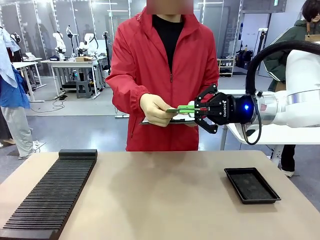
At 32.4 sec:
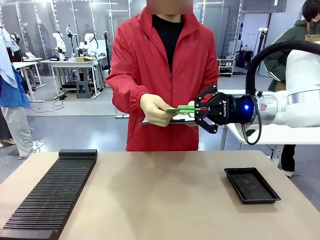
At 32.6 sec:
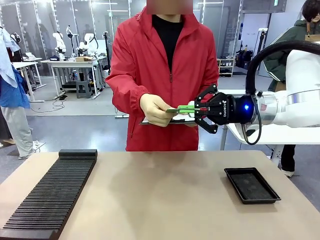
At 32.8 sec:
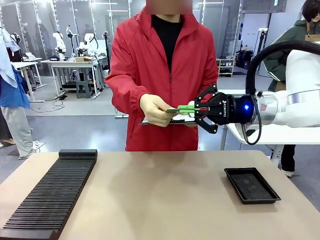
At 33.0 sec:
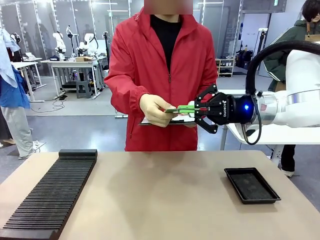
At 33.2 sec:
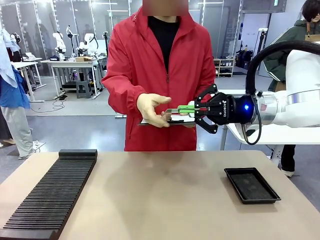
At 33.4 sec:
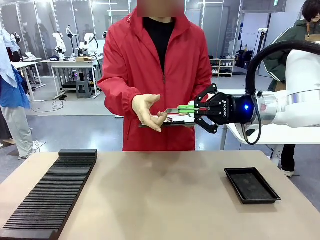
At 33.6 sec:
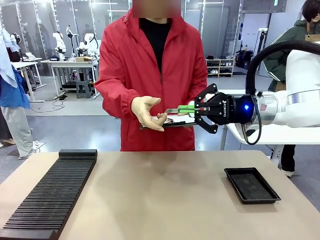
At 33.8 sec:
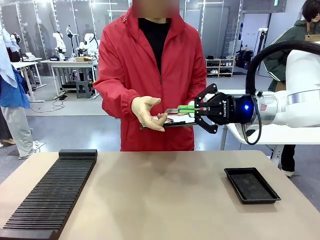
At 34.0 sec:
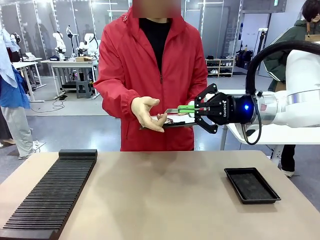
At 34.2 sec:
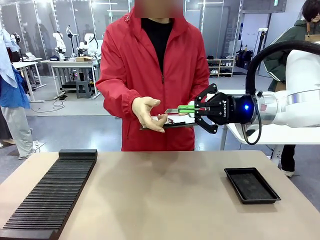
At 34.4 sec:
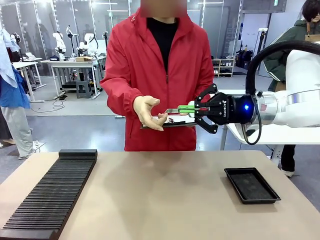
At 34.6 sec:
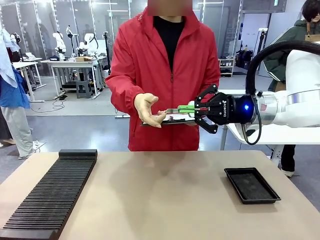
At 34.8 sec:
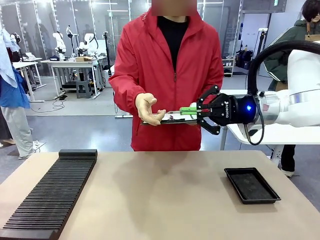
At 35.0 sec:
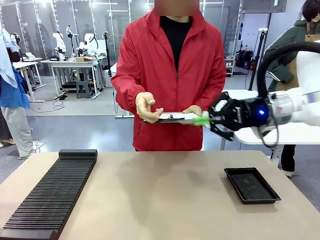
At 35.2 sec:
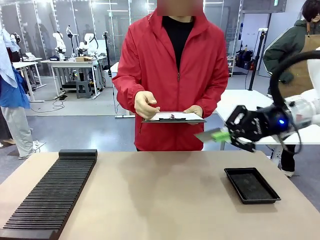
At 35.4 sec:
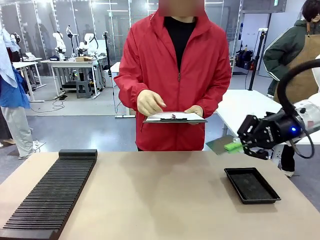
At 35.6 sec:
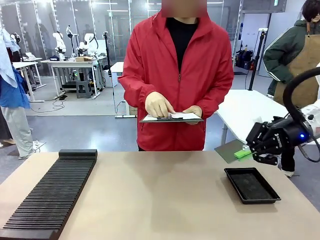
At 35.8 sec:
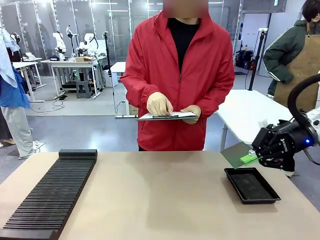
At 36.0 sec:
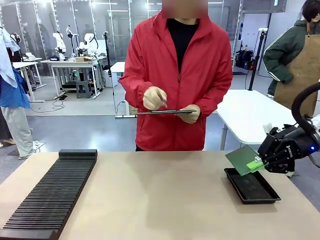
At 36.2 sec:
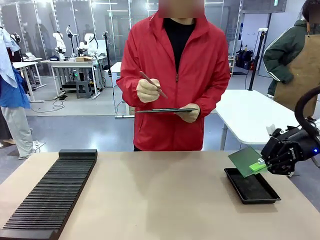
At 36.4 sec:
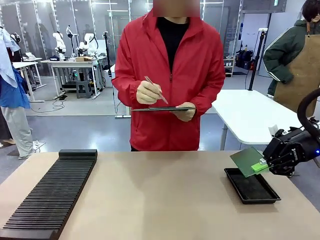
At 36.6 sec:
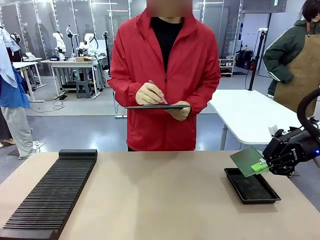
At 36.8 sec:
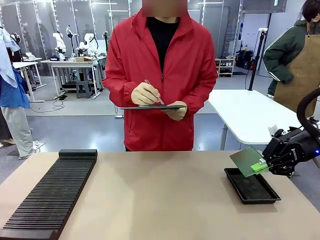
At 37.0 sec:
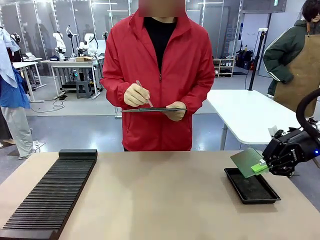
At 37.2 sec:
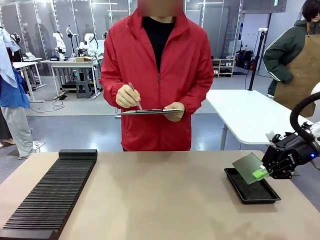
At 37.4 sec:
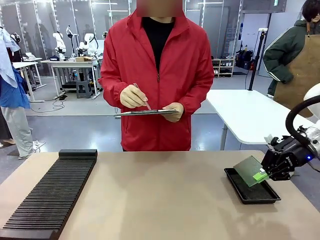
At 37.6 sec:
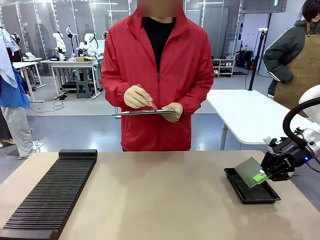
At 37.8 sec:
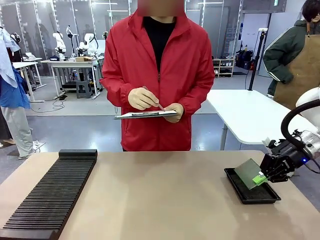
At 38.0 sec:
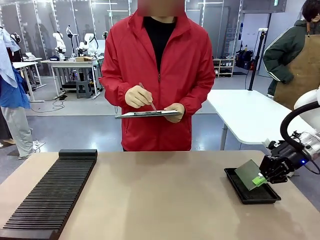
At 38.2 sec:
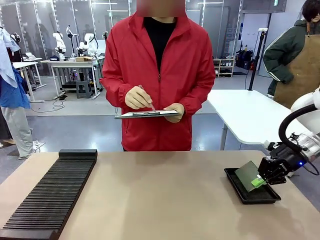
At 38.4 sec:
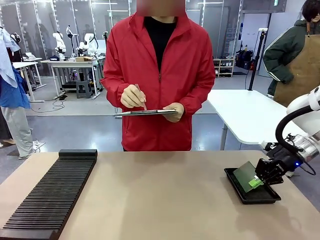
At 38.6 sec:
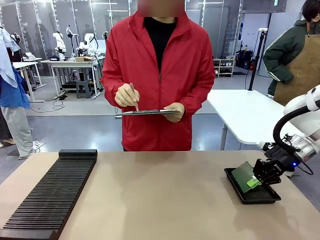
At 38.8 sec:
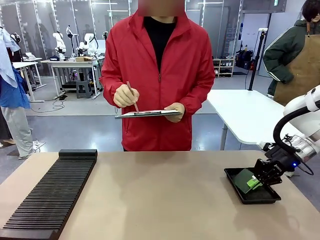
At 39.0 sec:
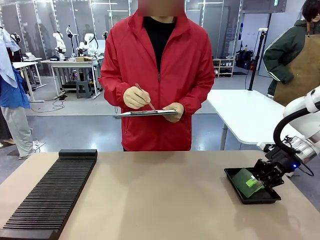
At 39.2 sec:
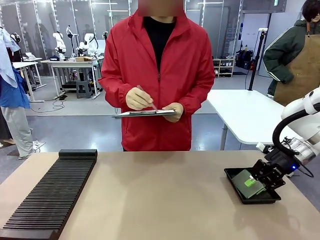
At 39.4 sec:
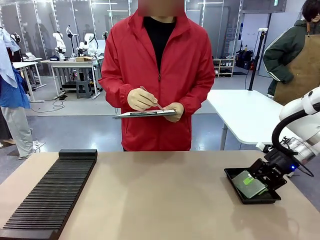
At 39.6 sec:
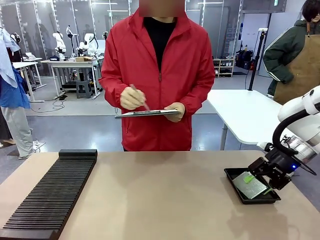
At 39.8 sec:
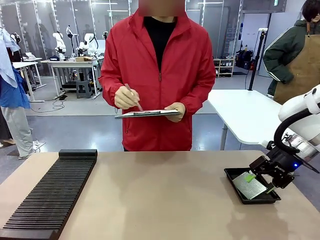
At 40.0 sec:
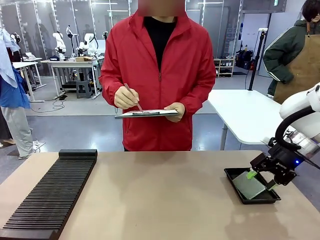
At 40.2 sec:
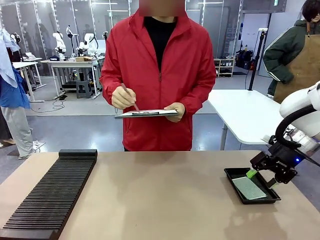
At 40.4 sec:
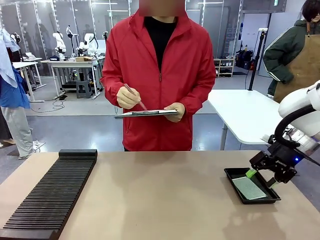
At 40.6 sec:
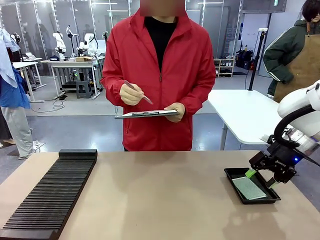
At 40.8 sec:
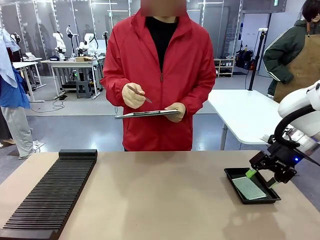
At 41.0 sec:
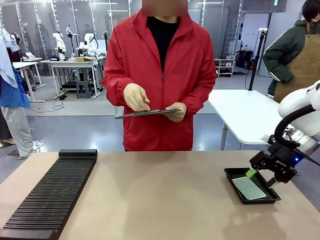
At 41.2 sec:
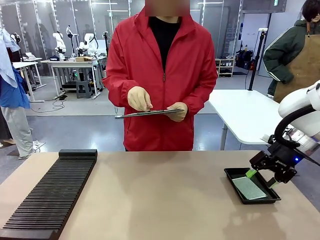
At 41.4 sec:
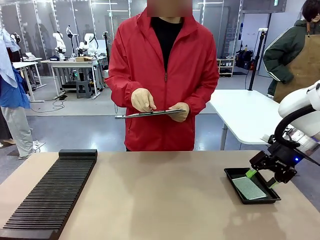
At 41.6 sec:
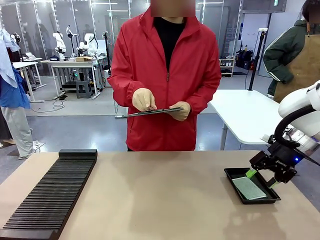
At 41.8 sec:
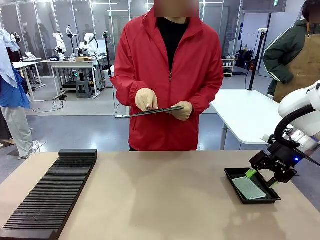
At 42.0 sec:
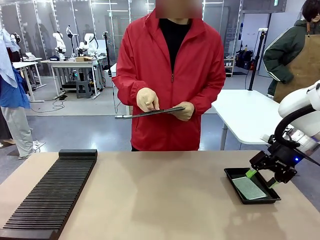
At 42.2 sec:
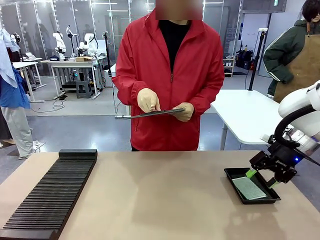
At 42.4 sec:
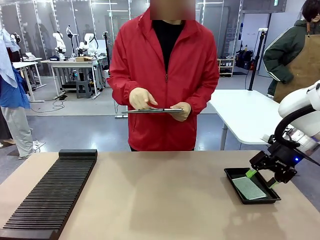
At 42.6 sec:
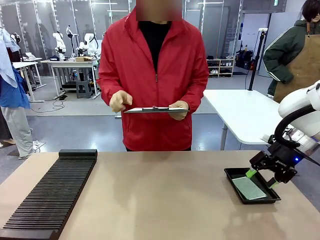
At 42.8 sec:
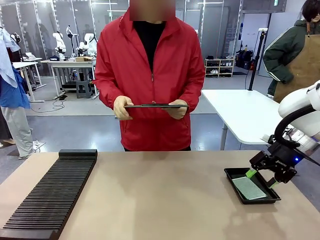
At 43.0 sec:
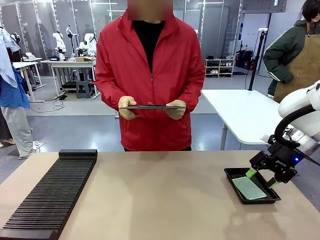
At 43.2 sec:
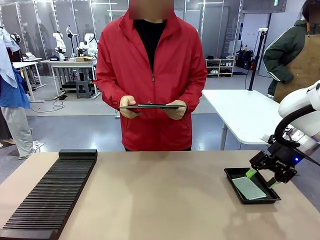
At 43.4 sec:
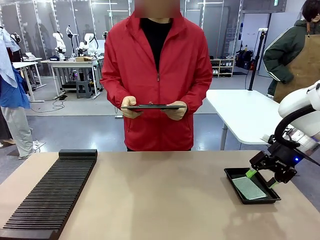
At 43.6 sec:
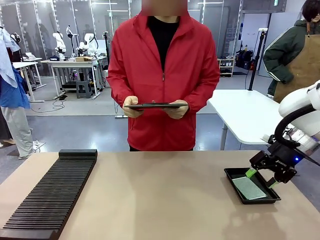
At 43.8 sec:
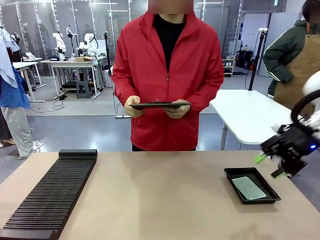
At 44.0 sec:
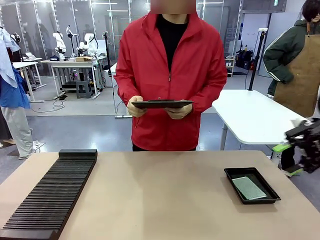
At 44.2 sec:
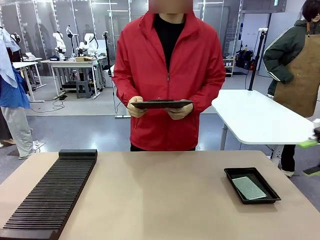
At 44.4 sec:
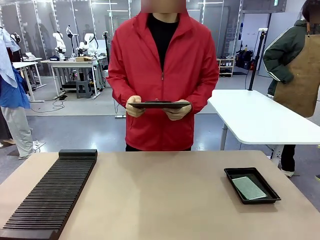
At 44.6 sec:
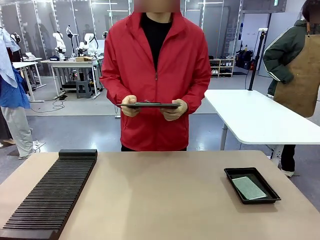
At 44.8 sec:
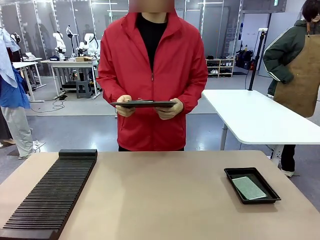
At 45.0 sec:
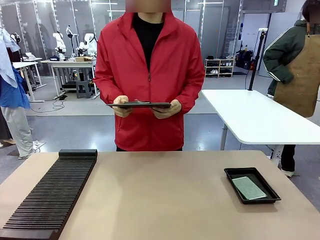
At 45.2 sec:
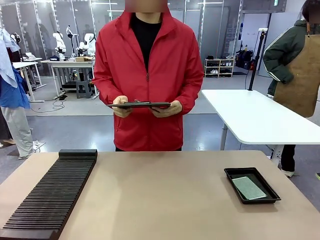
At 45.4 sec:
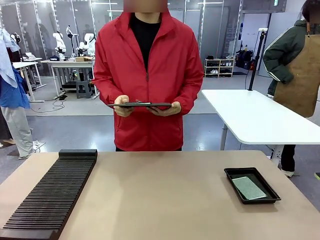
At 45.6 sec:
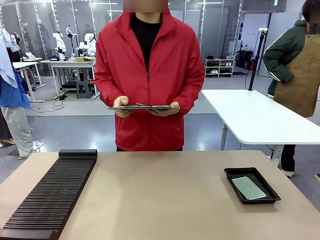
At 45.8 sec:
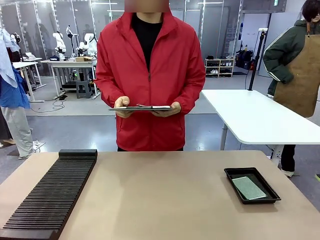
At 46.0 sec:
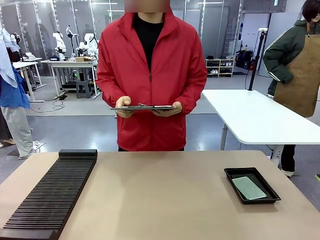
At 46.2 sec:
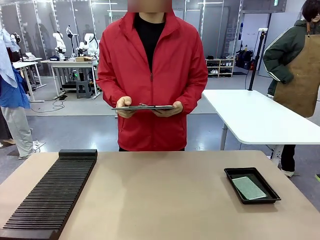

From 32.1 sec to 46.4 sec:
Task: Inspect the PCB.
Robot: Place the Blank PCB in the ESD tray.
Person: Record the PCB status on the paper.

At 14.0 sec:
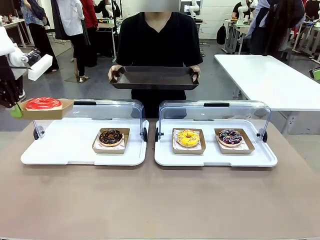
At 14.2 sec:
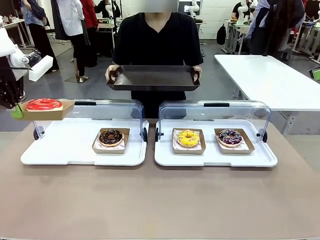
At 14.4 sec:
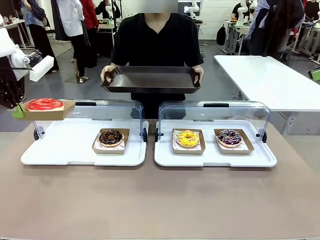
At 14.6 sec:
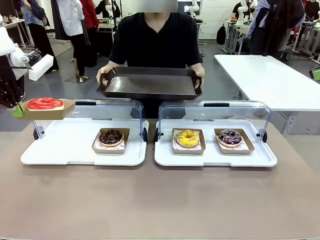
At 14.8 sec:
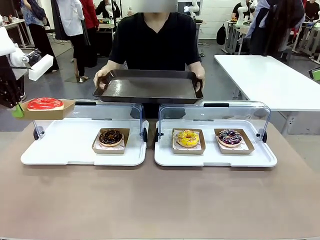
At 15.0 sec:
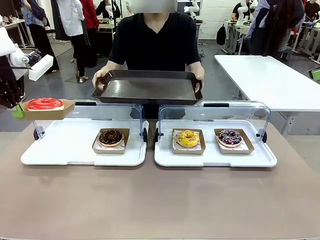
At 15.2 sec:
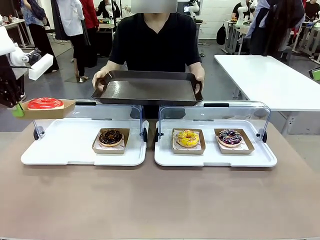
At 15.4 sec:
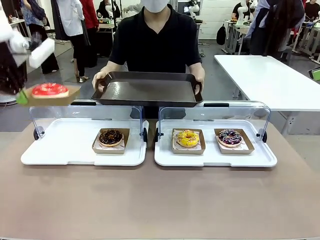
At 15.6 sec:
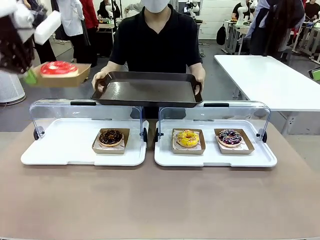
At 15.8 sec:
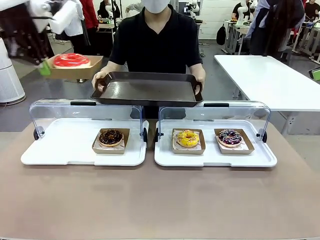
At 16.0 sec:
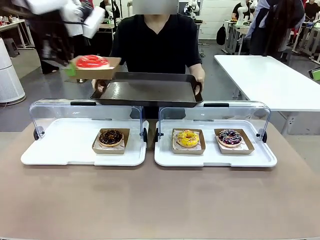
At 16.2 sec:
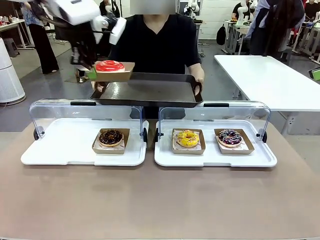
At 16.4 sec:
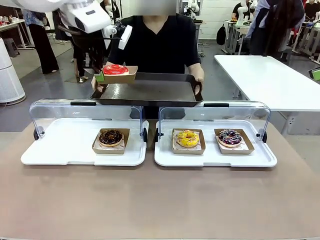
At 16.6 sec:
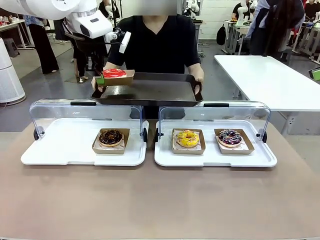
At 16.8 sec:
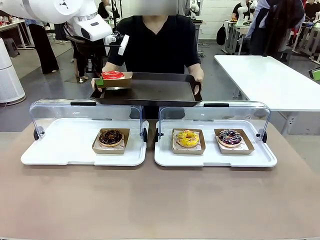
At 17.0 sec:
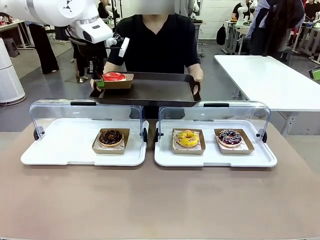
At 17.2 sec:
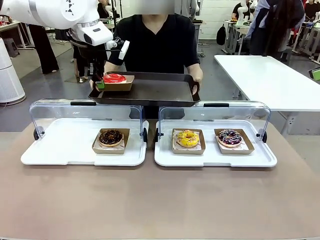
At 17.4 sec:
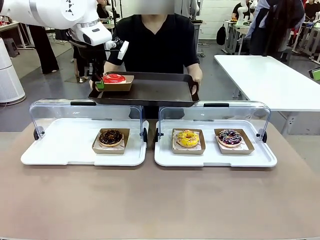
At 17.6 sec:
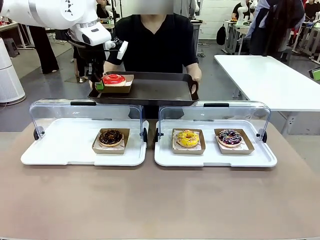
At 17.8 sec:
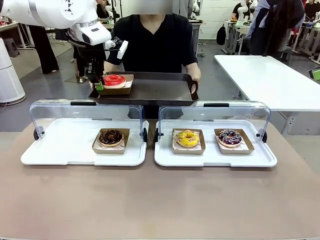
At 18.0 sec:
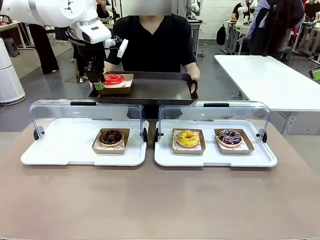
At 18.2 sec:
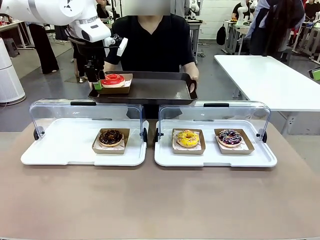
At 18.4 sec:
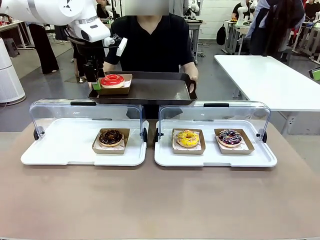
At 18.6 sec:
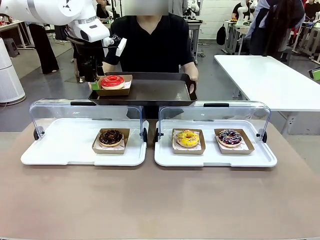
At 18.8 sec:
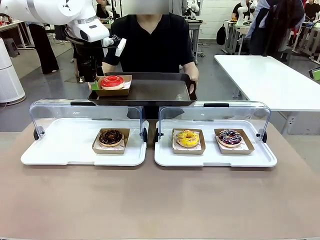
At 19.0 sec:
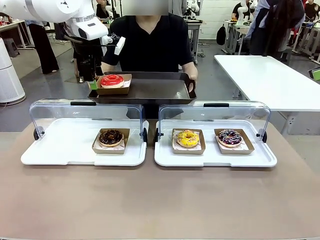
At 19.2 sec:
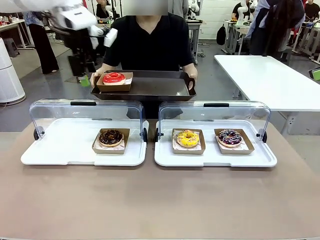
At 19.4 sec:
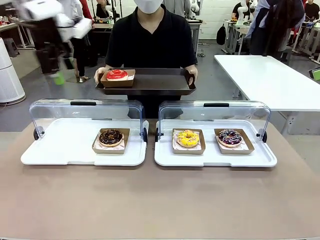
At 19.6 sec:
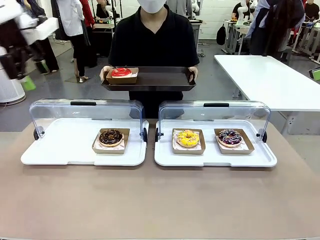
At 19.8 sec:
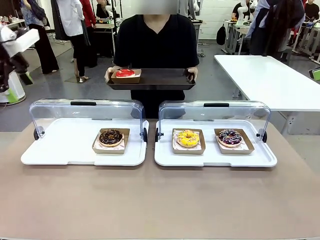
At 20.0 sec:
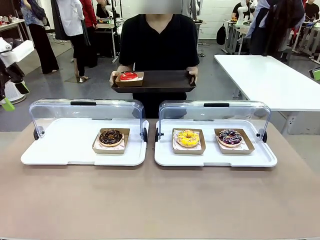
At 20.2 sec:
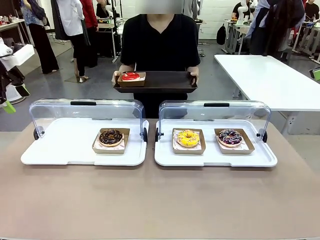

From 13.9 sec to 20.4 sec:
Task: Provide the desired donut to the person.
Robot: Place the picked Paper togo box onto the Handle tray extended by the person.
